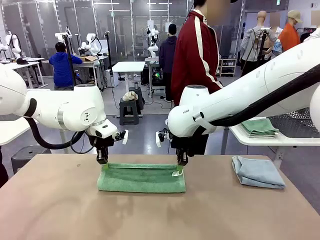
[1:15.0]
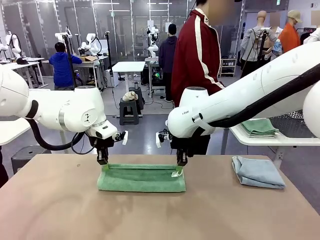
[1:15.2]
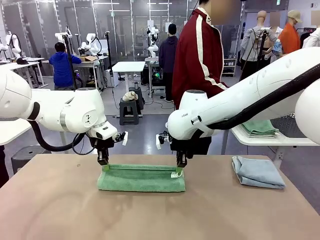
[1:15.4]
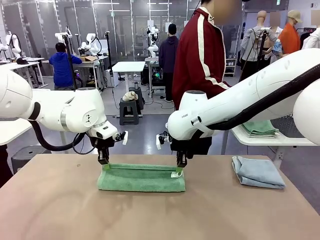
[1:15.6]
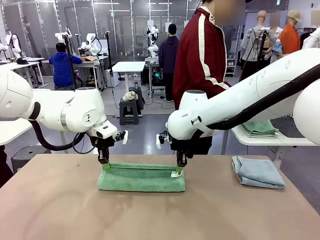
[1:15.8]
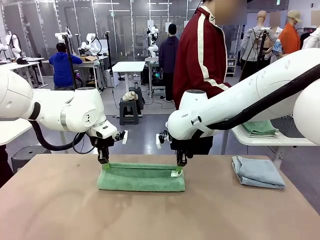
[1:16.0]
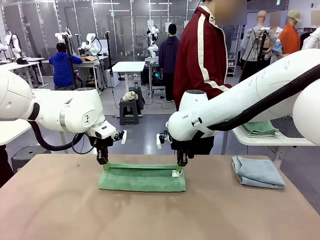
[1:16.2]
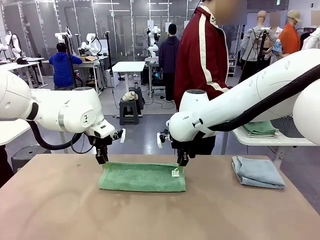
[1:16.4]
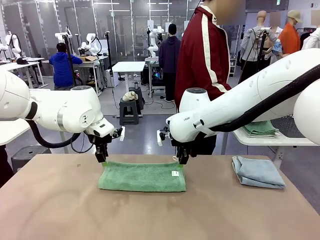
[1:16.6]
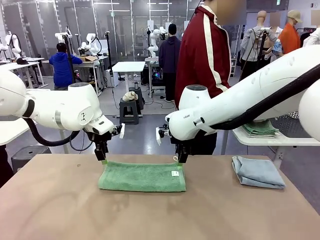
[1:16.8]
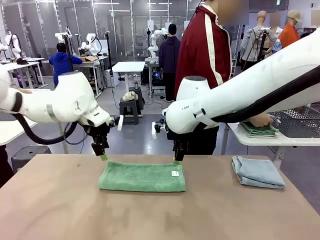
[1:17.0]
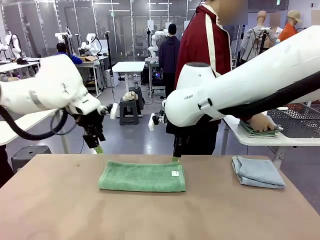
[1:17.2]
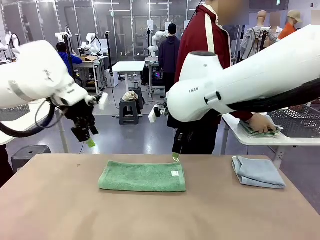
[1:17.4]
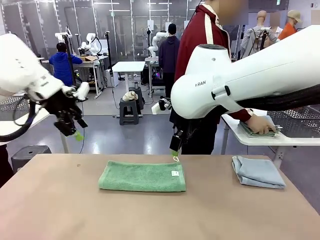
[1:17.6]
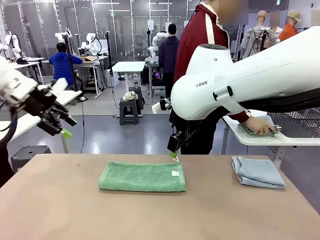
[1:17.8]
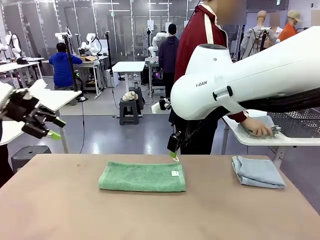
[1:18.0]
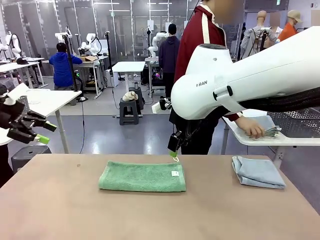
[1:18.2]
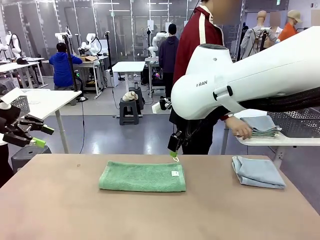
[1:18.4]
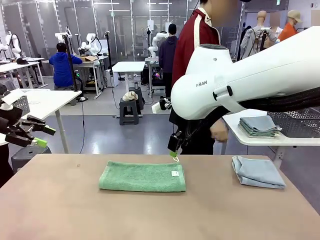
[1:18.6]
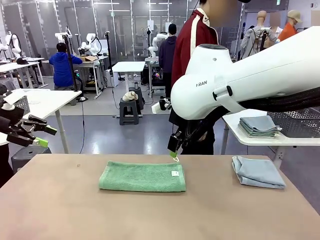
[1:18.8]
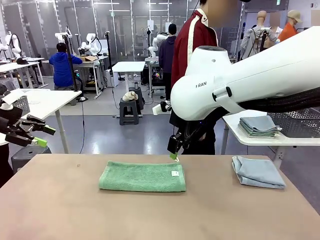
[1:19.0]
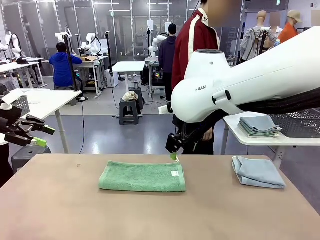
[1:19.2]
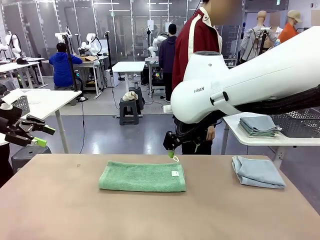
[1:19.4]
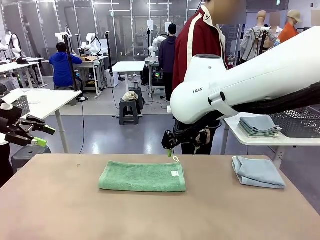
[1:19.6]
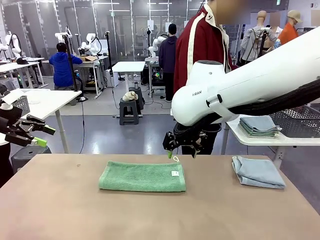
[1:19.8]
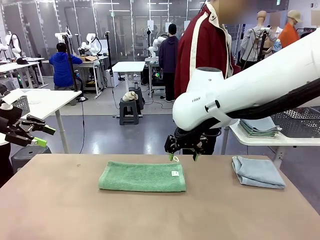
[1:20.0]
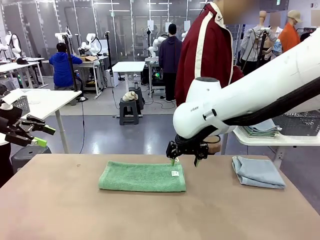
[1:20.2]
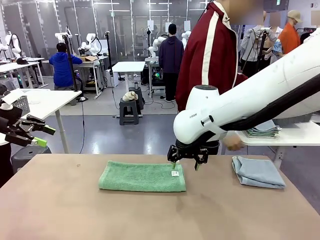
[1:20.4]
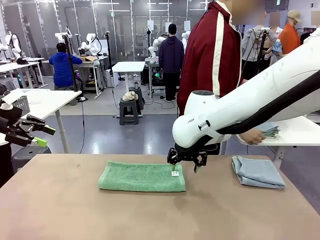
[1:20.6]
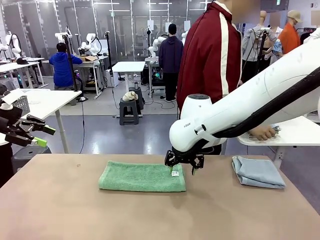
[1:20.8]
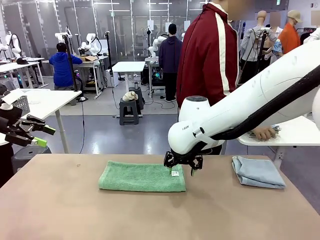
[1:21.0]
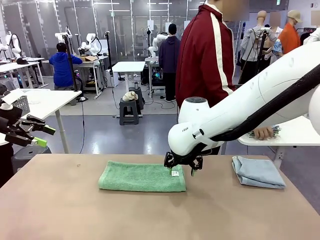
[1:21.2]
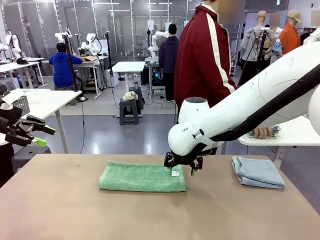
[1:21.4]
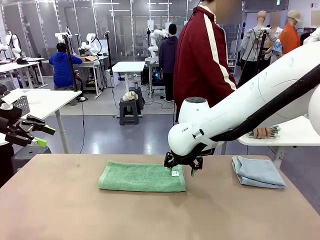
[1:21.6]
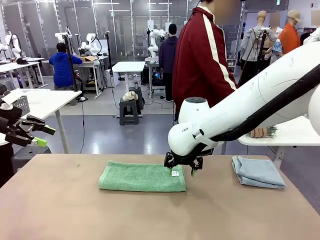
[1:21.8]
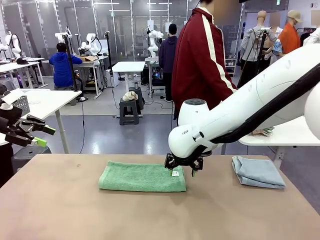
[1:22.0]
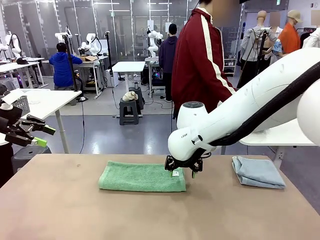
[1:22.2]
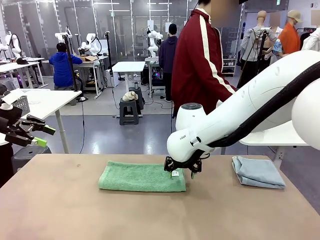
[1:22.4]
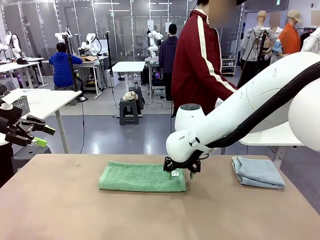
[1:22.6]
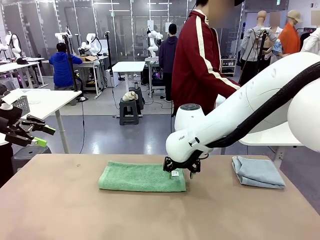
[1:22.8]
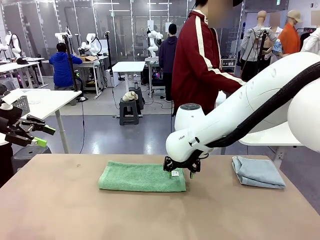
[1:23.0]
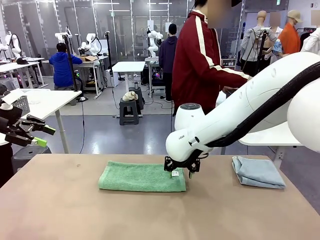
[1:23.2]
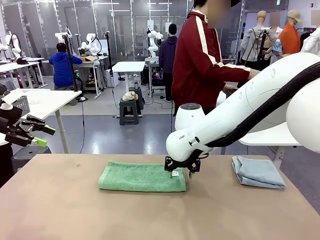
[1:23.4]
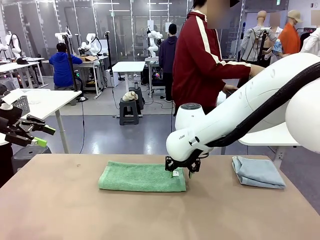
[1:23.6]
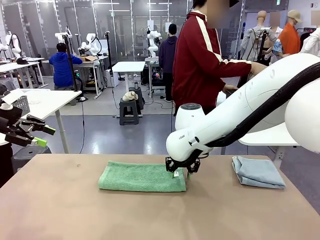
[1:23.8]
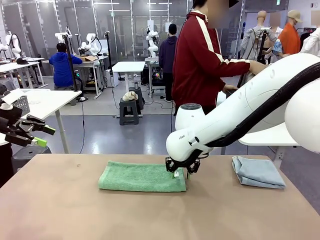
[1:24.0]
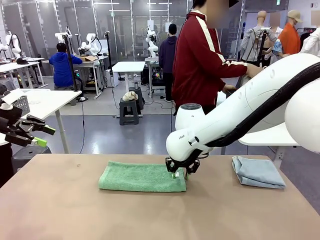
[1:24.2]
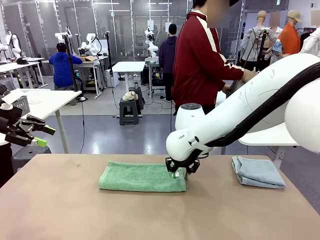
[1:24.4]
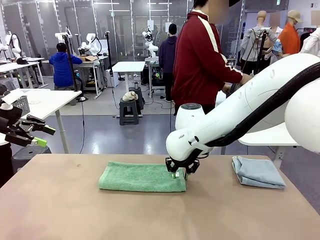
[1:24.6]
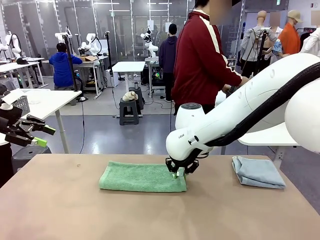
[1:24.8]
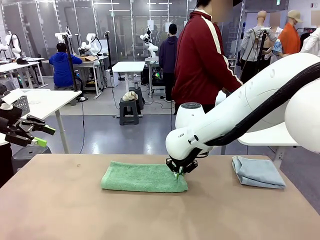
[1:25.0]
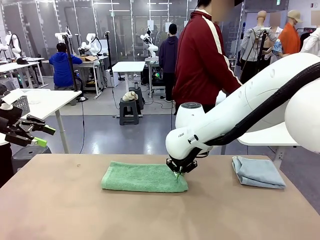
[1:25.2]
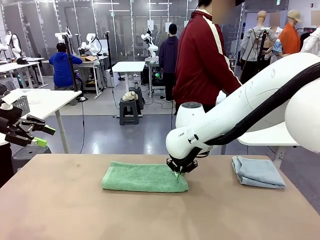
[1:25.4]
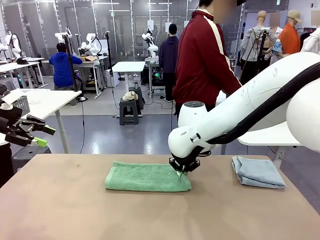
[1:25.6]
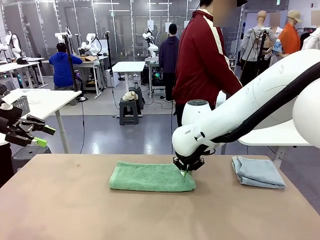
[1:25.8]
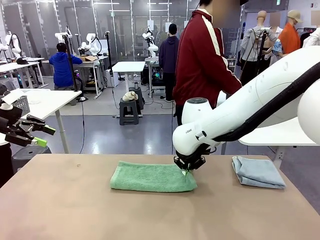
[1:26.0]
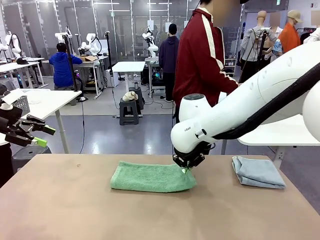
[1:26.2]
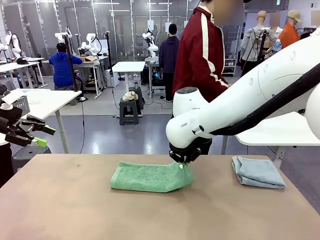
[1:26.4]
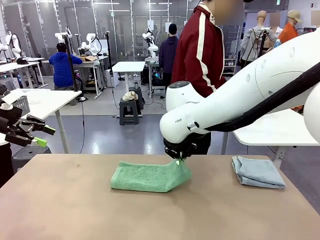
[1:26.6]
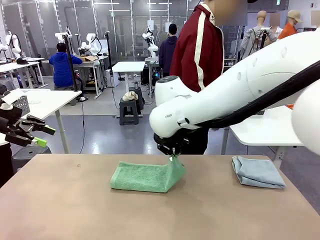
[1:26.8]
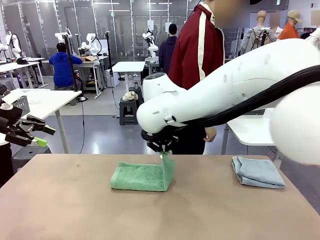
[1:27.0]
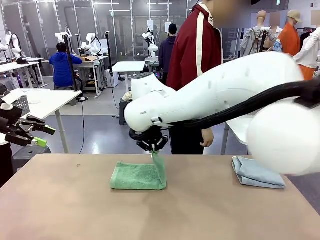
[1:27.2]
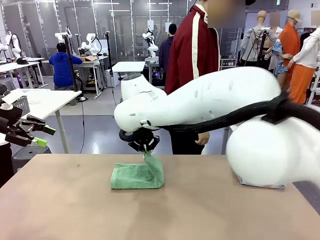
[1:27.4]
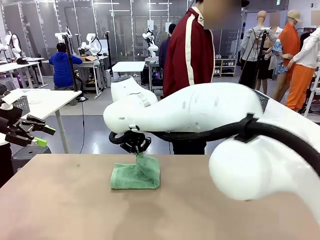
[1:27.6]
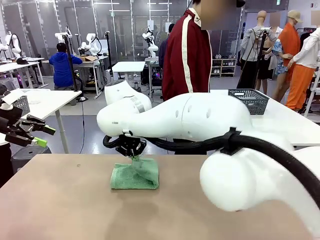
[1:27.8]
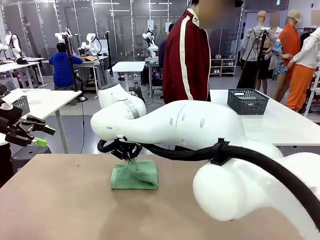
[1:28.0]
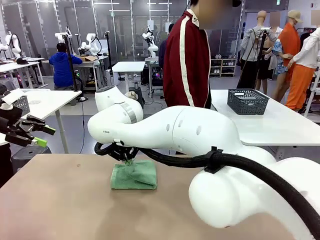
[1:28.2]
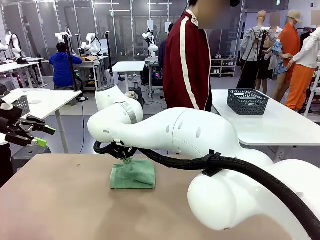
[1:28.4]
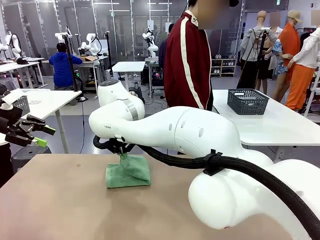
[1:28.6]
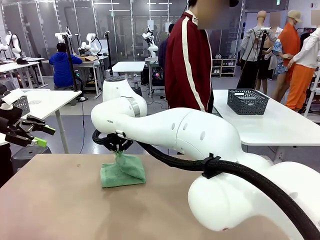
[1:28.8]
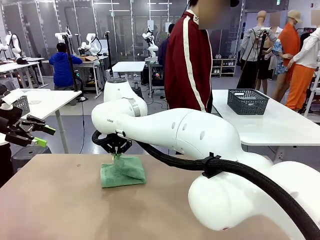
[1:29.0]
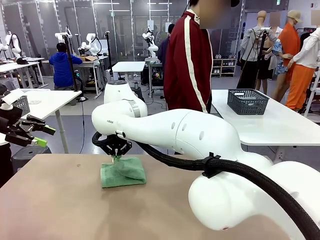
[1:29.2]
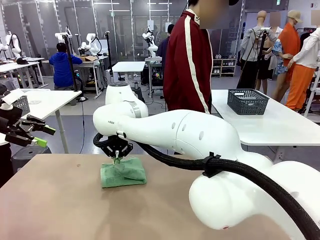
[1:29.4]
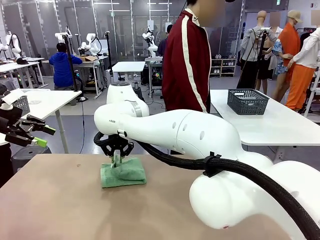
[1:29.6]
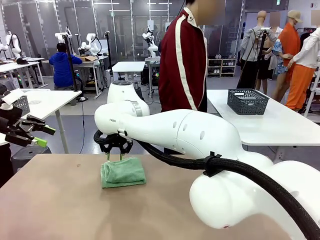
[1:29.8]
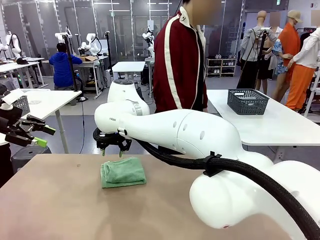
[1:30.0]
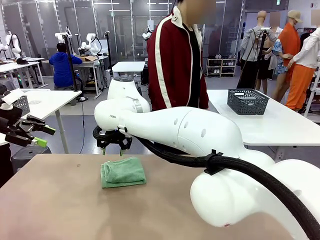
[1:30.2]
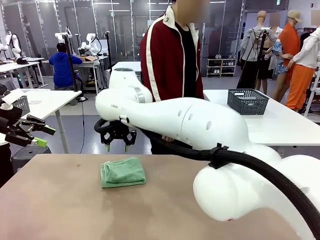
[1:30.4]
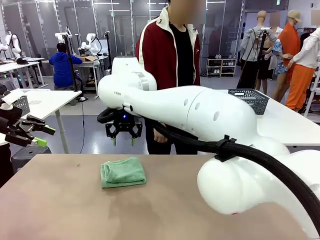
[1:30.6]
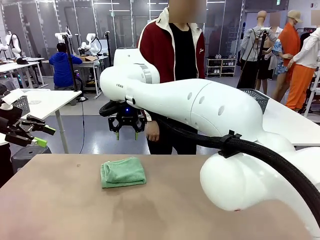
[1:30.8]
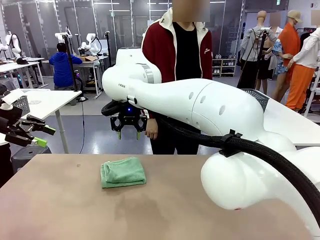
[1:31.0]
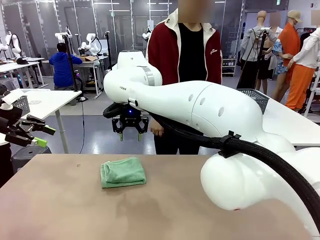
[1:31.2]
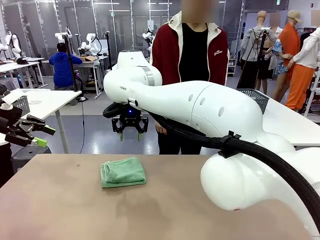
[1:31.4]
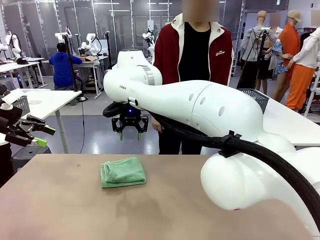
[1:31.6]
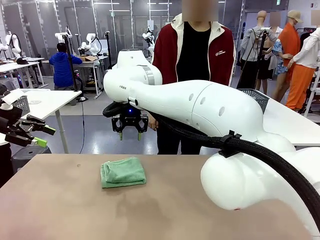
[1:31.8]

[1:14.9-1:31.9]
Task: Fold the towels and place them in the basket.
Robot: When a person lays out a Towel with hook on the table, fold it in half twice.
Person: Pick up the stack of towels from the right side of the human table, place it into the basket, and put the basket at the center of the table.
